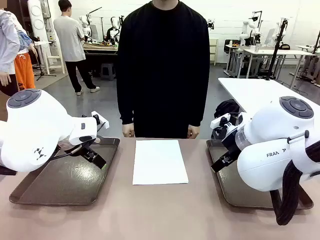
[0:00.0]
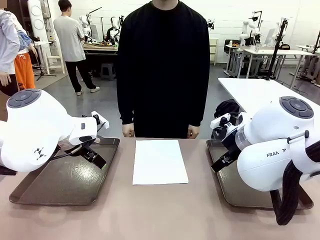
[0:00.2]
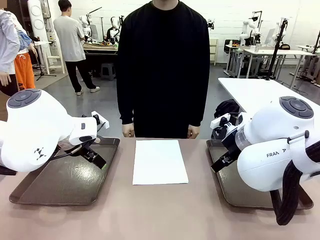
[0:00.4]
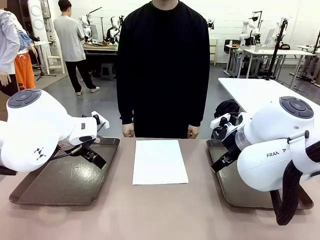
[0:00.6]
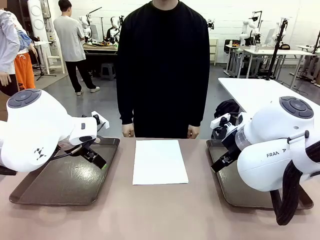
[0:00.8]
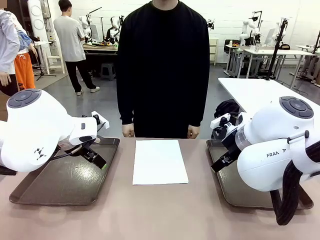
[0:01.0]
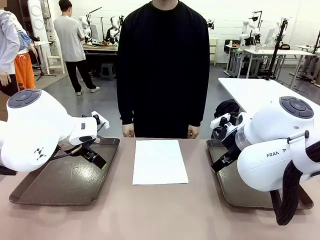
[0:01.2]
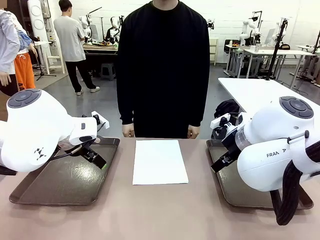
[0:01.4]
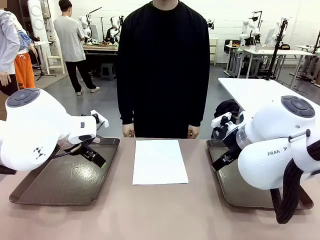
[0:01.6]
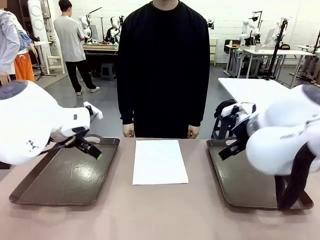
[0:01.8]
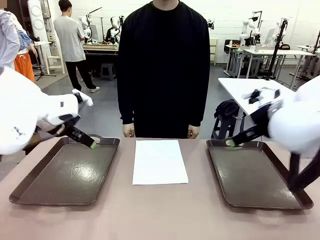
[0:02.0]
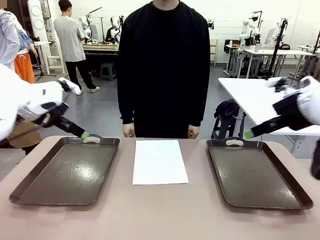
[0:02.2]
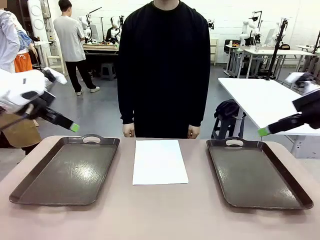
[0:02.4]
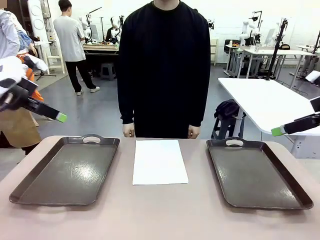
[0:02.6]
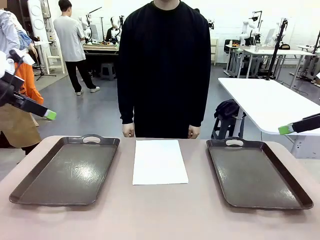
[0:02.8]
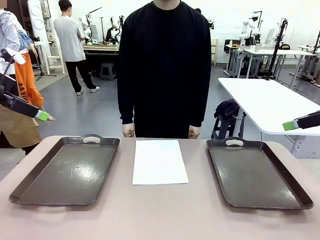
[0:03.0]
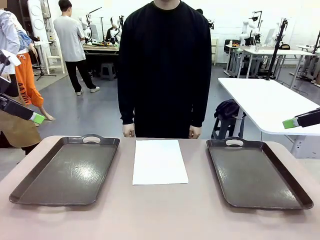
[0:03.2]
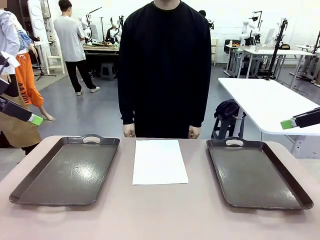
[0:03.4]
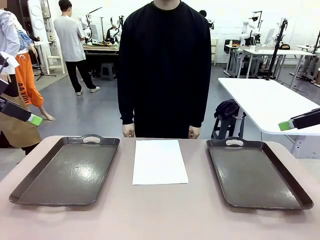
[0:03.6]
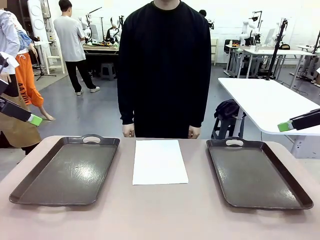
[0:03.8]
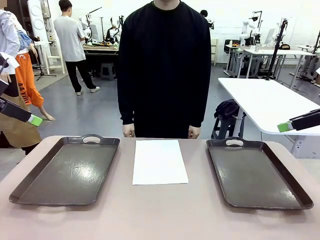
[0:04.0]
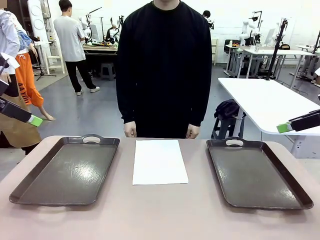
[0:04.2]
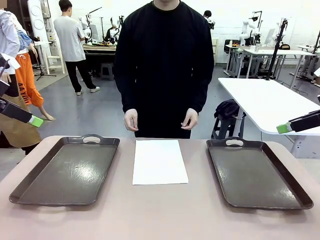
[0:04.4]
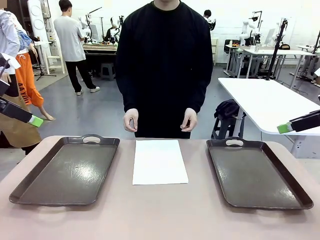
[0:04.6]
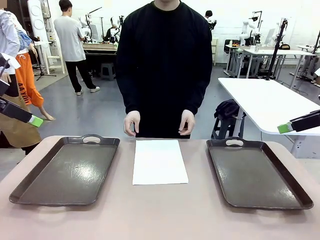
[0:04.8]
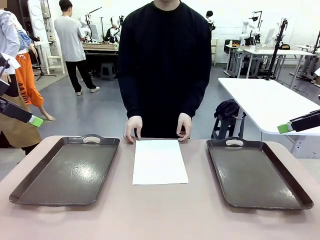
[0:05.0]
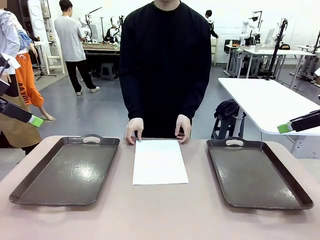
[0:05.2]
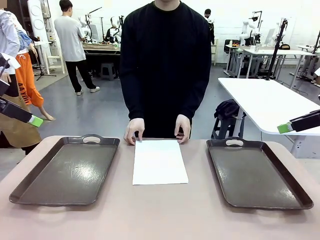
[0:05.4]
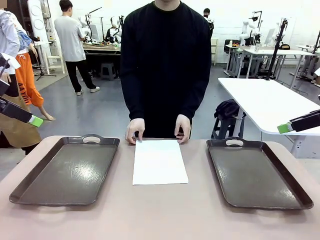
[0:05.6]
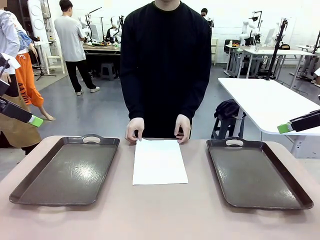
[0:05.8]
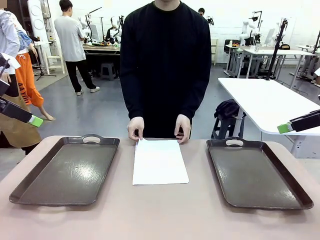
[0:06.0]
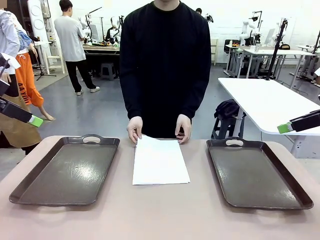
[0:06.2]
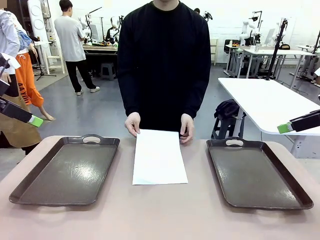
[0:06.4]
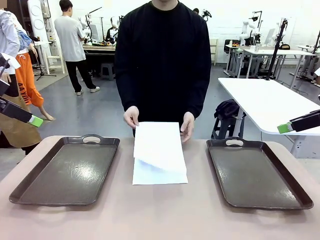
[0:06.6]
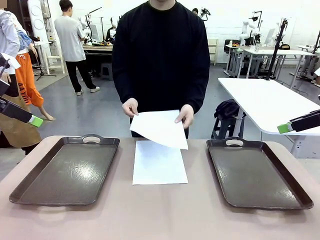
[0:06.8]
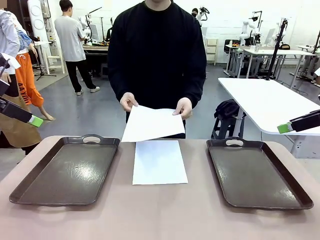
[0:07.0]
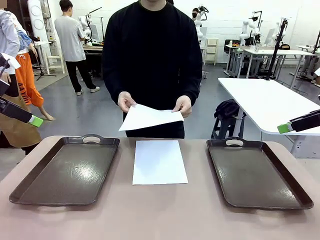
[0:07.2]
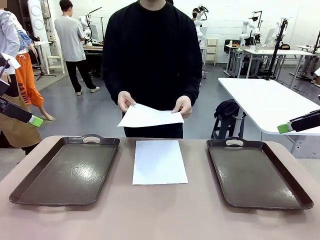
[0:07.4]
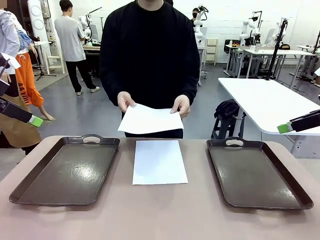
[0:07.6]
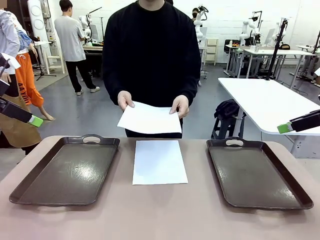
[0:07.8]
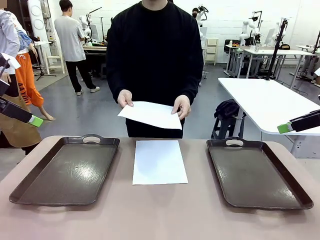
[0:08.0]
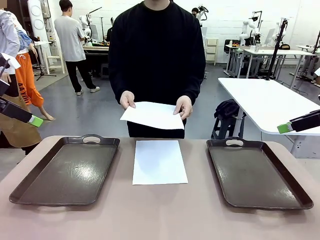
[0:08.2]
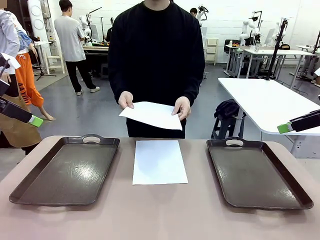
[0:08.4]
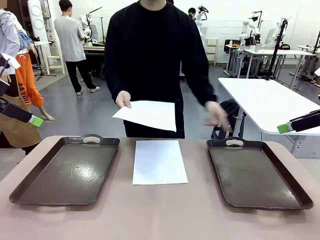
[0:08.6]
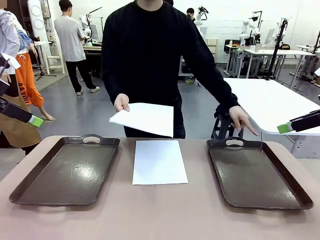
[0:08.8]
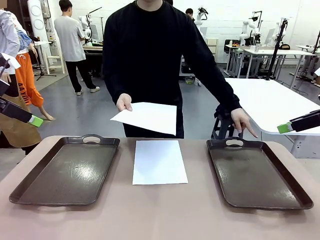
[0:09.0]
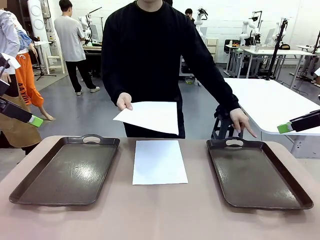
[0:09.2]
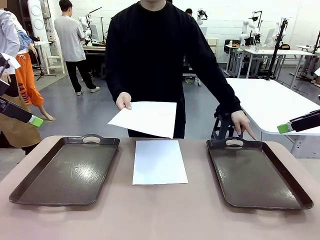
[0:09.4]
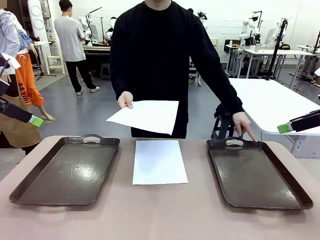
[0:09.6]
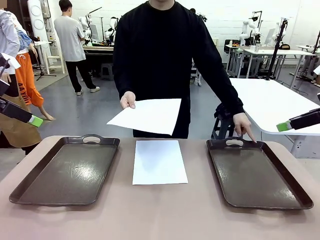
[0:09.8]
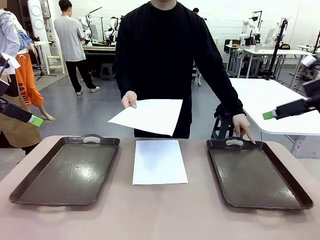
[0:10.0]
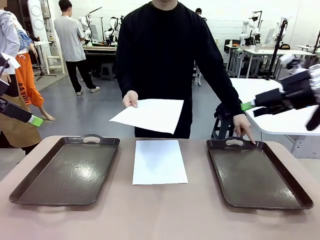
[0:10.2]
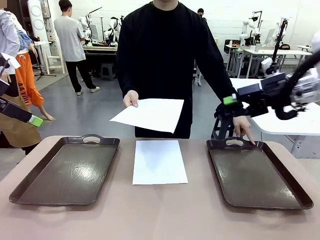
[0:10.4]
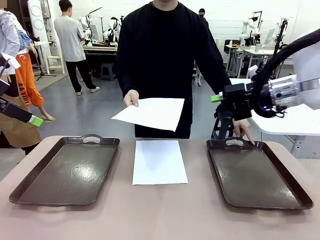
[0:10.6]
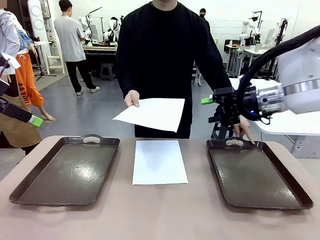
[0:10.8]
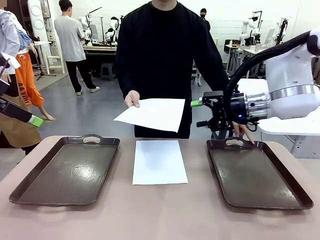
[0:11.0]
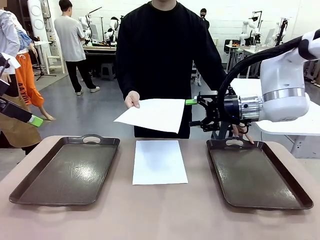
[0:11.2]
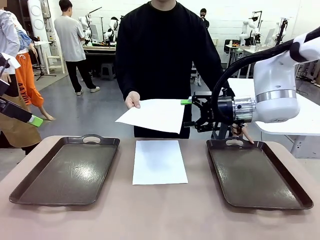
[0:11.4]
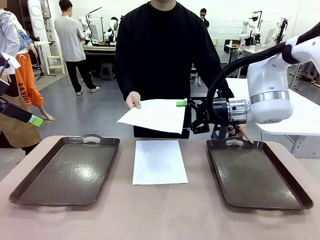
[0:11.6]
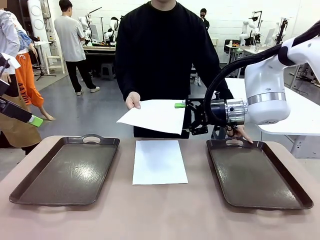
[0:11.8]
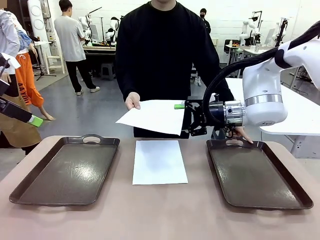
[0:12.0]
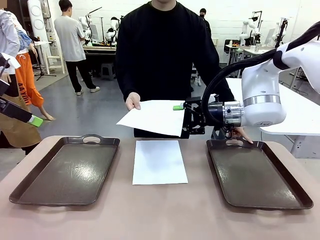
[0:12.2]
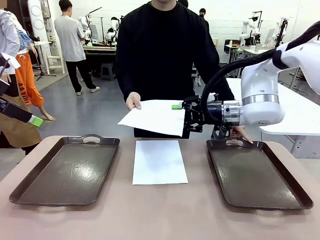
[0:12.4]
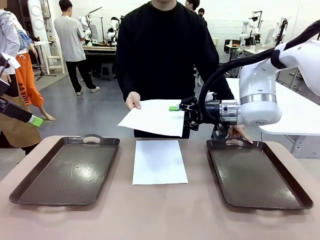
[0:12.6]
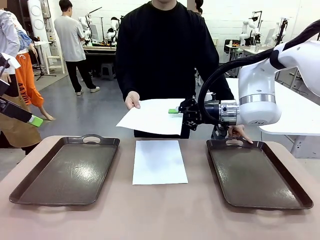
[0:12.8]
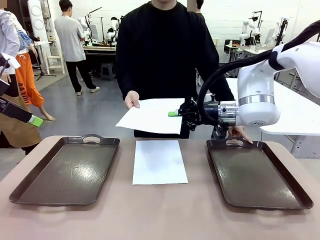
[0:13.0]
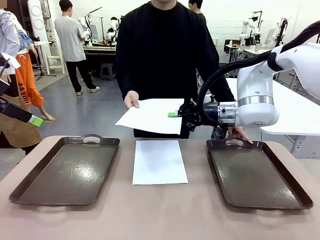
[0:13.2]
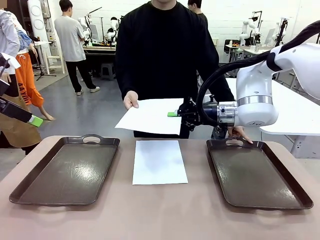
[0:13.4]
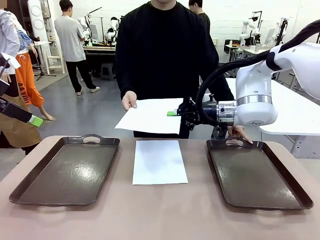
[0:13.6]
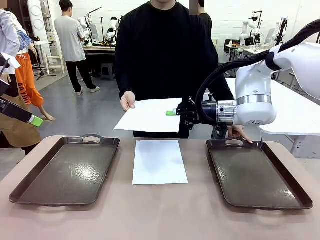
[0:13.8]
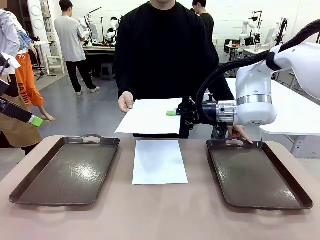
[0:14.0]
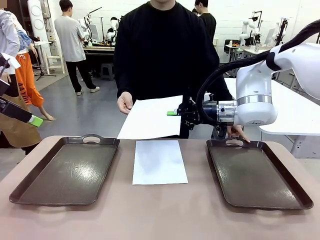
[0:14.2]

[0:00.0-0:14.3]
Task: Sort the A4 documents.
Robot: Receive the A4 Paper.
Person: Pick up a sheet of paper from the center of the table and hand it to the robot. Point the randomly selected tray with the other hand.

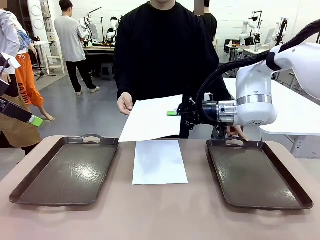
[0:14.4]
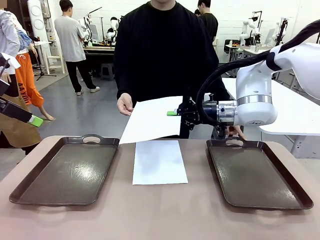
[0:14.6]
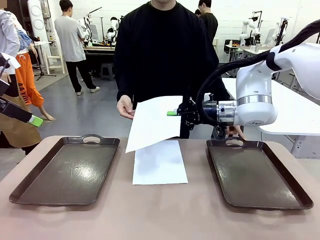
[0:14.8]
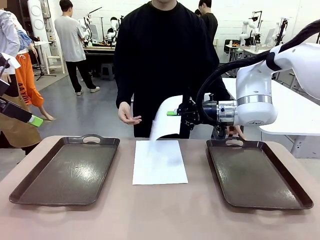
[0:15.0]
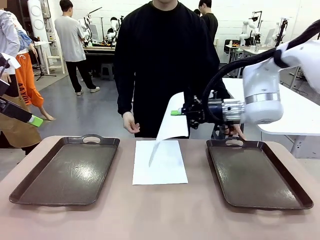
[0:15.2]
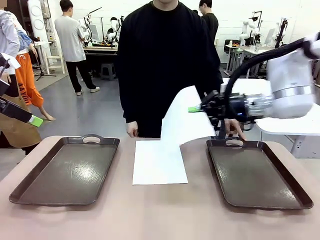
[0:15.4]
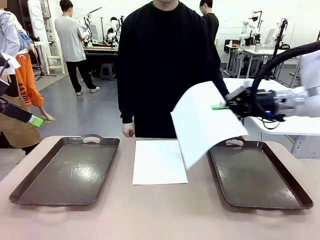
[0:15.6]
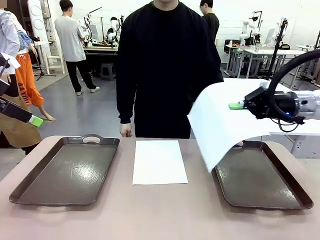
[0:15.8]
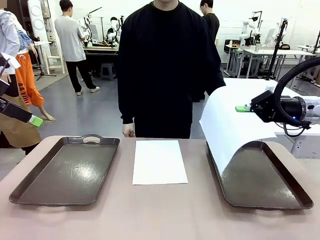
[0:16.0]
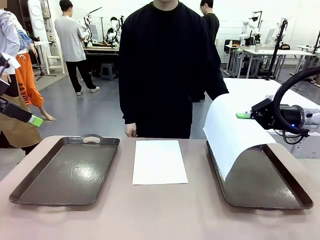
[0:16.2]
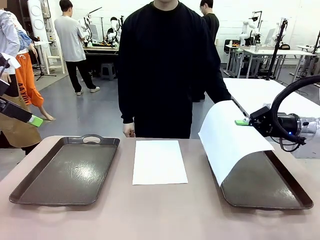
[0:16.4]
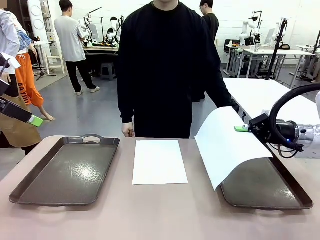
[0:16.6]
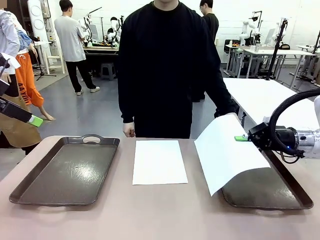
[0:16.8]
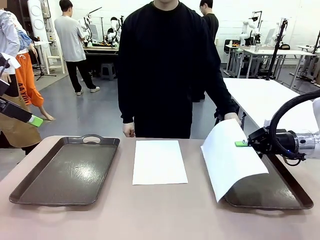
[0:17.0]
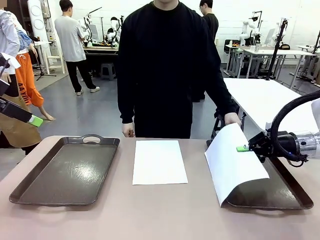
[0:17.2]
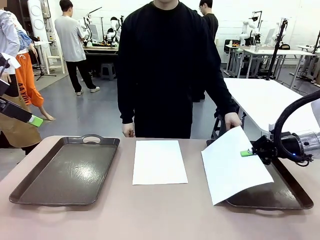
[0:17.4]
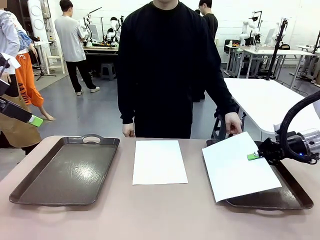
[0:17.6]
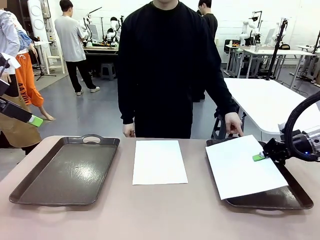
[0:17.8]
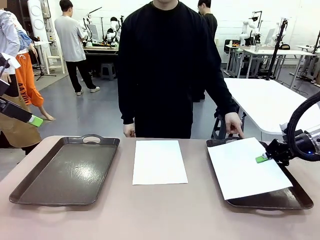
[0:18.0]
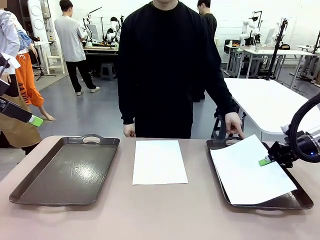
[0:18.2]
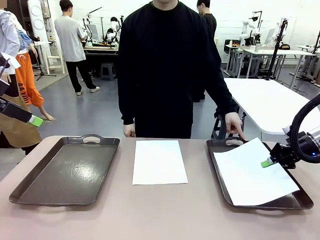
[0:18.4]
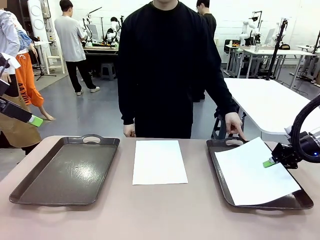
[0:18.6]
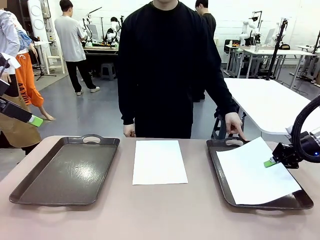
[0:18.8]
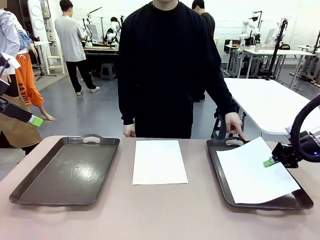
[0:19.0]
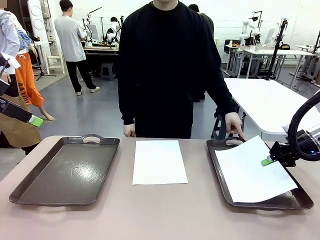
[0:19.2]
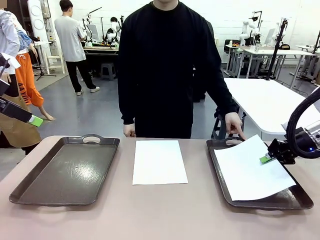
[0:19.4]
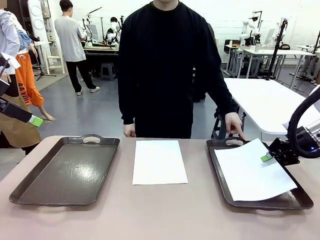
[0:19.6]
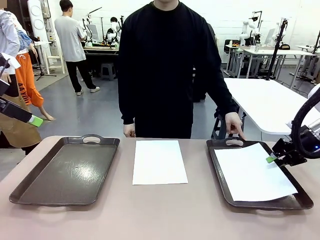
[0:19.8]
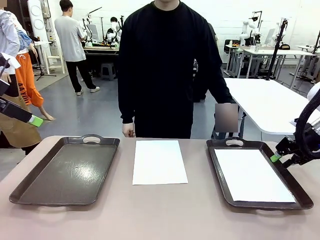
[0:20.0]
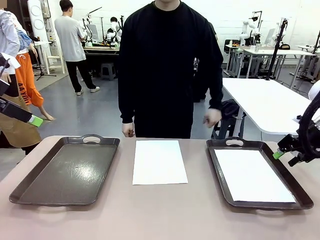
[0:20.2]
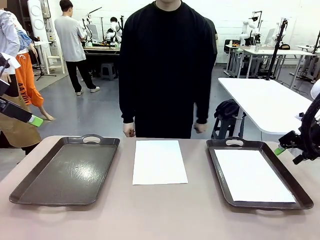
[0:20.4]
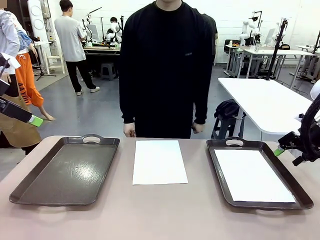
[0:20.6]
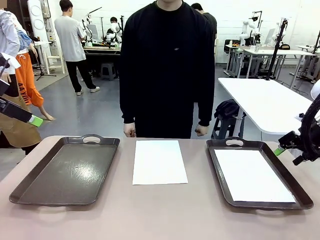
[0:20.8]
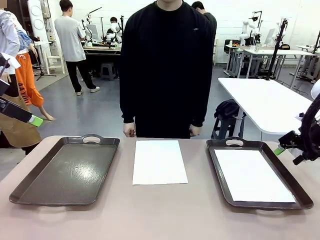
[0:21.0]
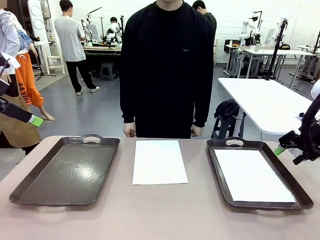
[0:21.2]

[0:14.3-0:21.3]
Robot: Place the A4 Paper in the designated Handle tray.
